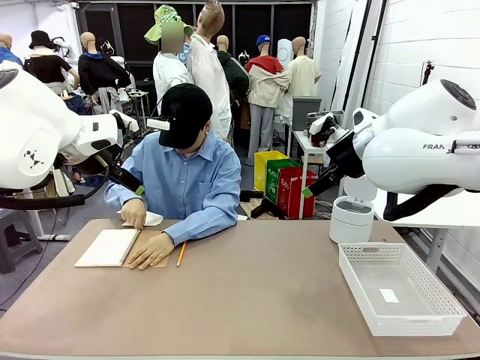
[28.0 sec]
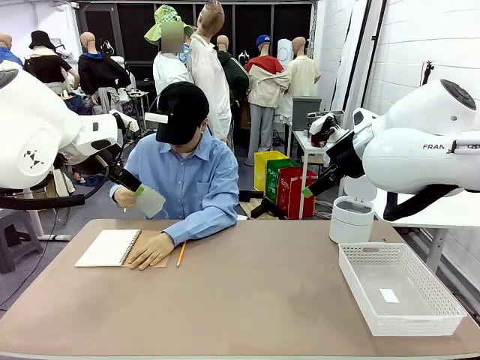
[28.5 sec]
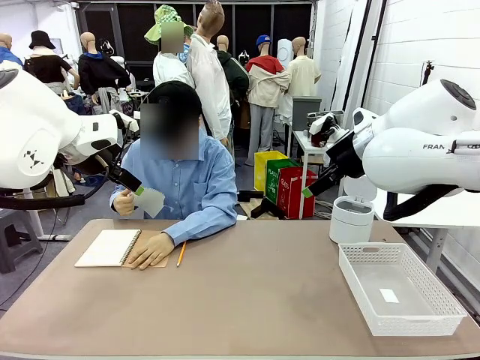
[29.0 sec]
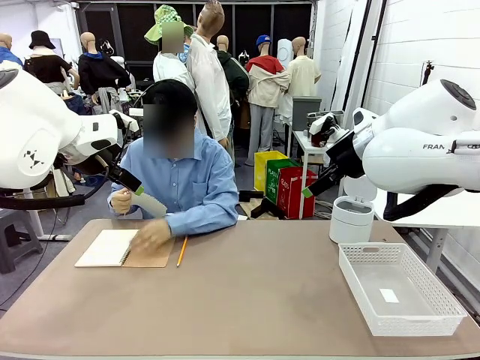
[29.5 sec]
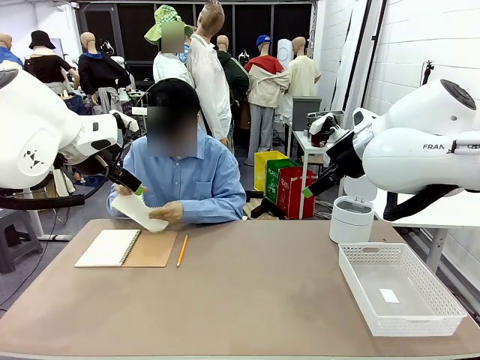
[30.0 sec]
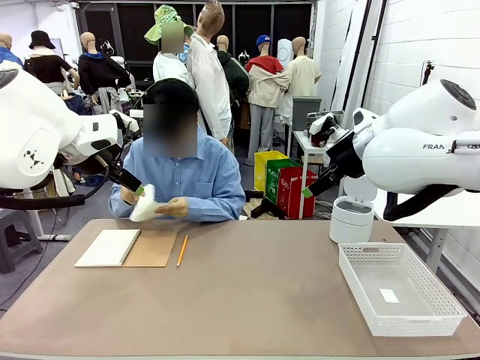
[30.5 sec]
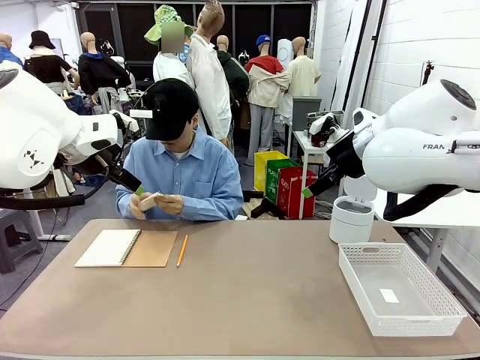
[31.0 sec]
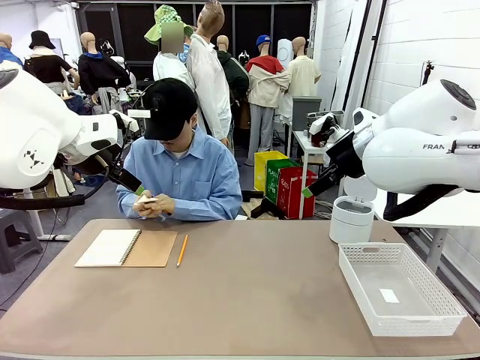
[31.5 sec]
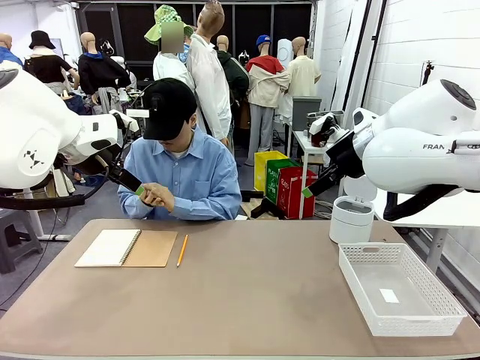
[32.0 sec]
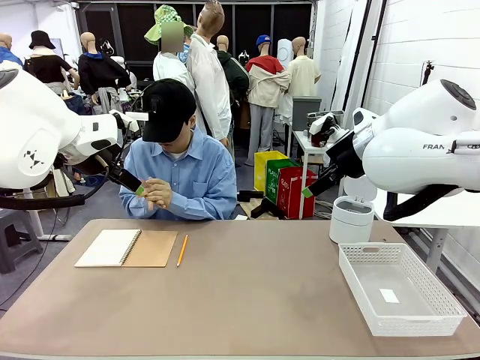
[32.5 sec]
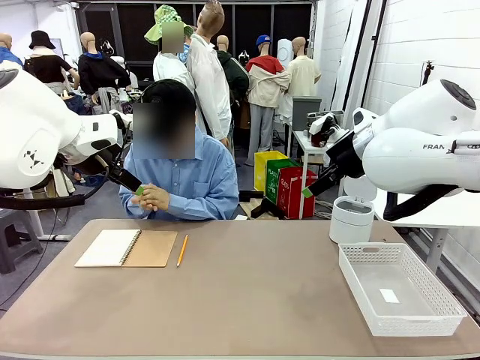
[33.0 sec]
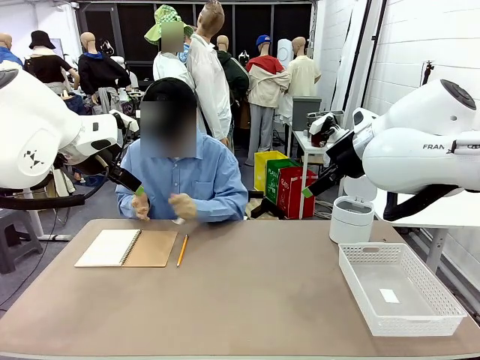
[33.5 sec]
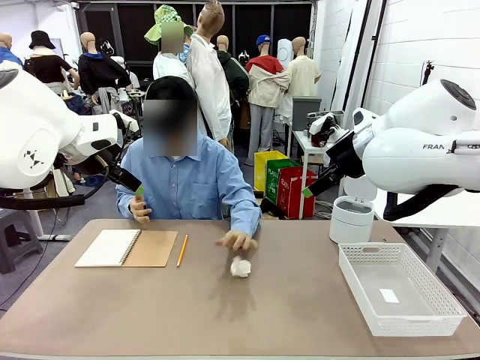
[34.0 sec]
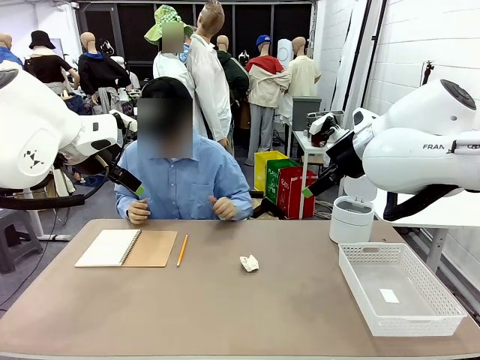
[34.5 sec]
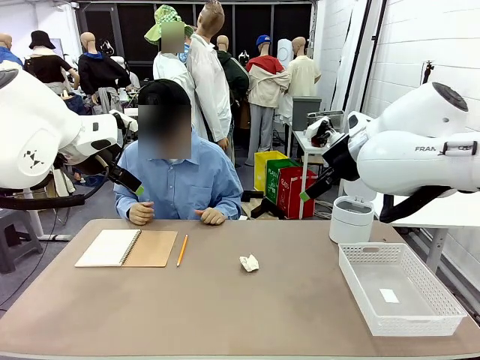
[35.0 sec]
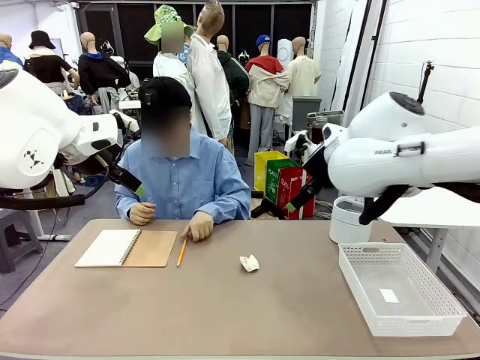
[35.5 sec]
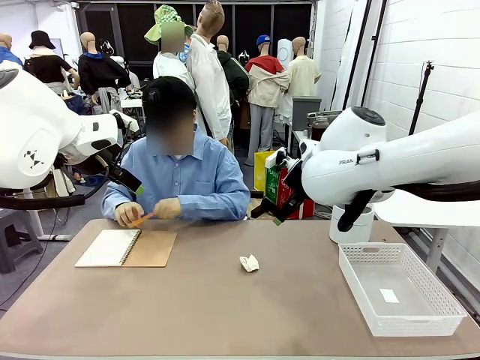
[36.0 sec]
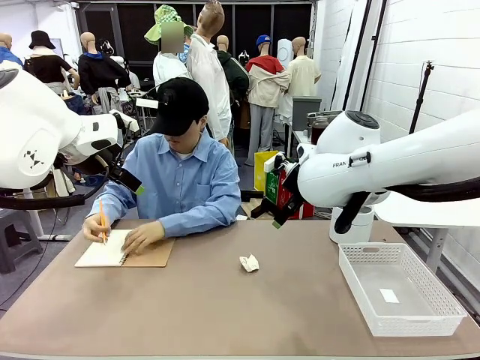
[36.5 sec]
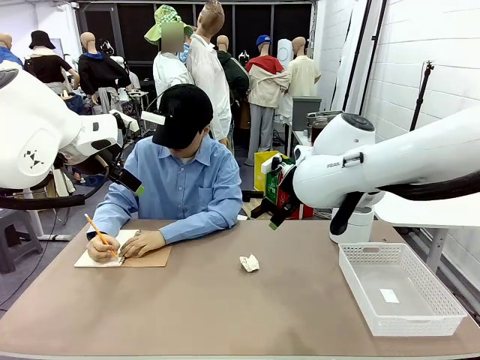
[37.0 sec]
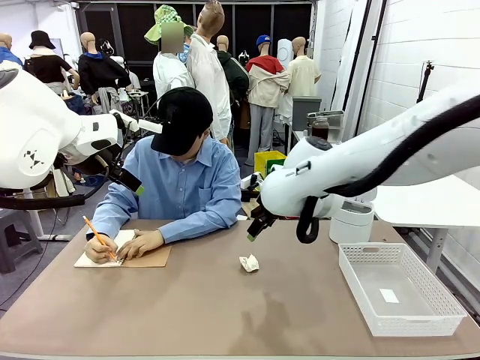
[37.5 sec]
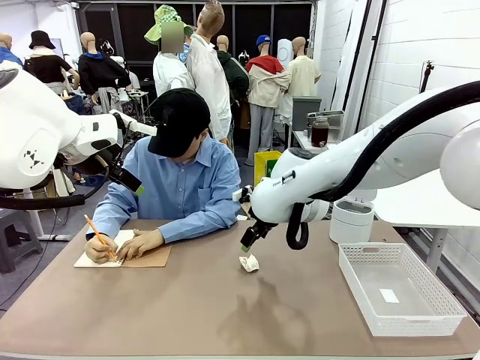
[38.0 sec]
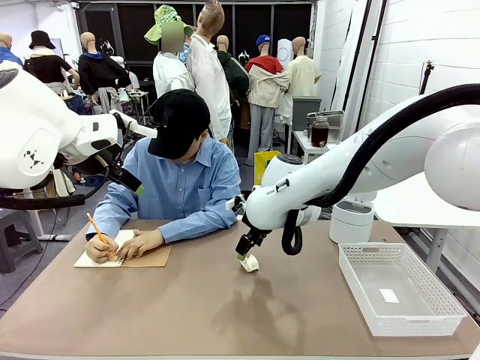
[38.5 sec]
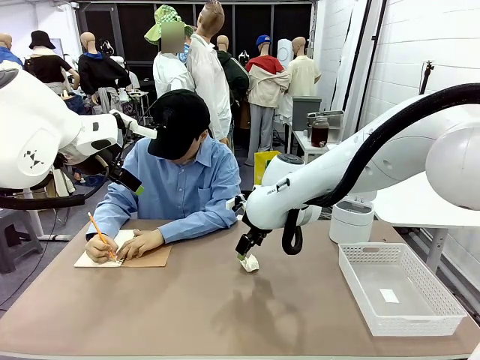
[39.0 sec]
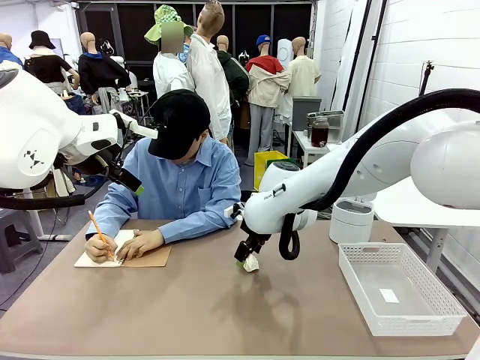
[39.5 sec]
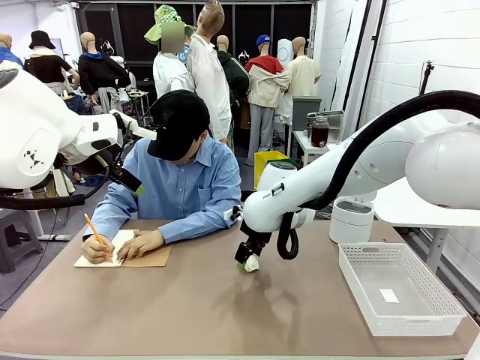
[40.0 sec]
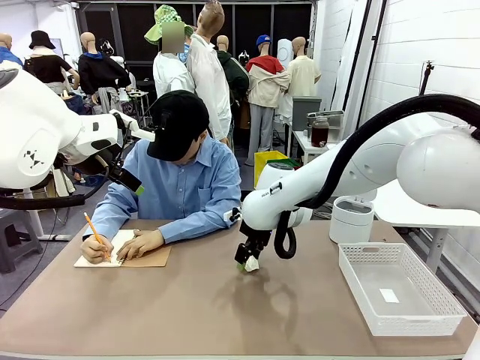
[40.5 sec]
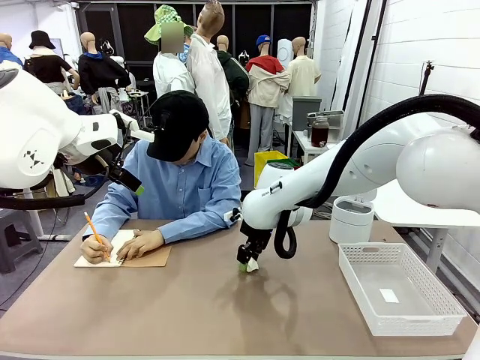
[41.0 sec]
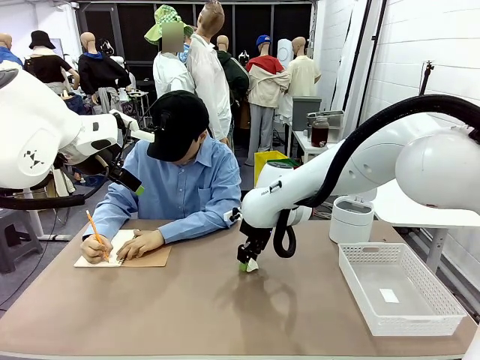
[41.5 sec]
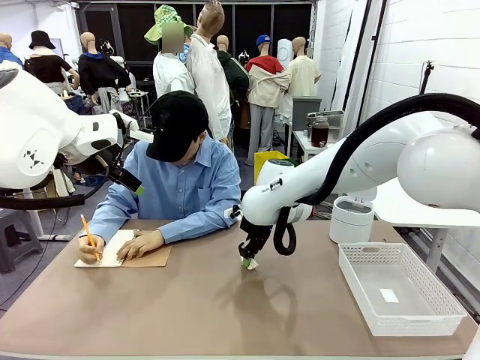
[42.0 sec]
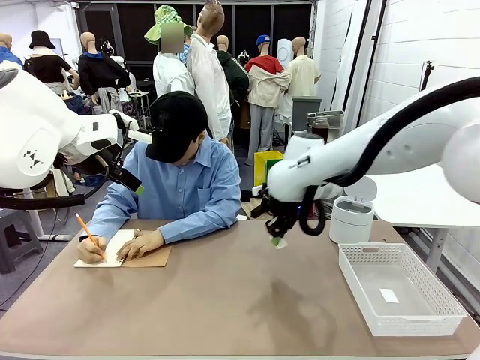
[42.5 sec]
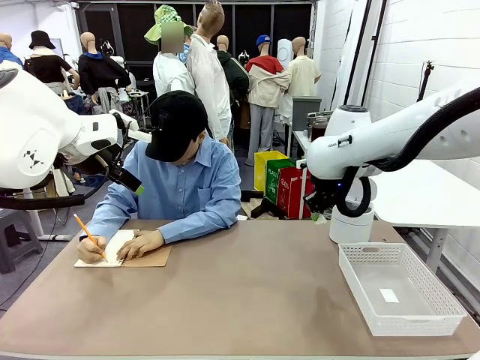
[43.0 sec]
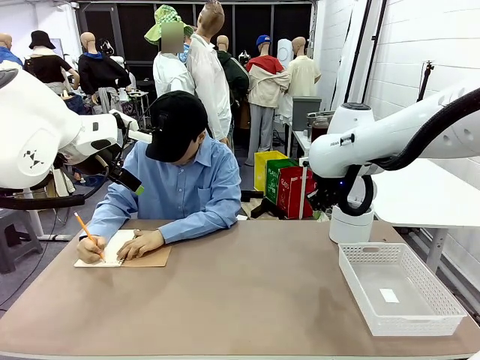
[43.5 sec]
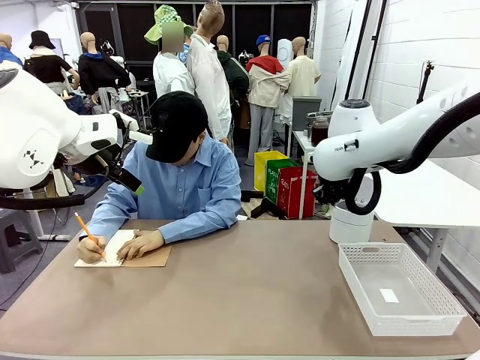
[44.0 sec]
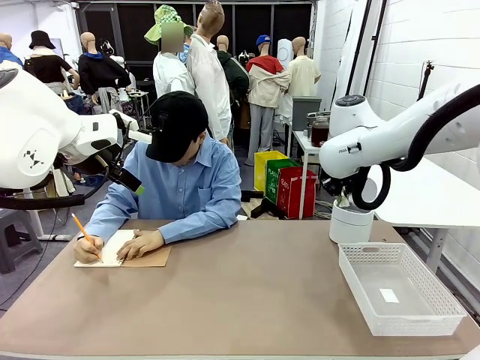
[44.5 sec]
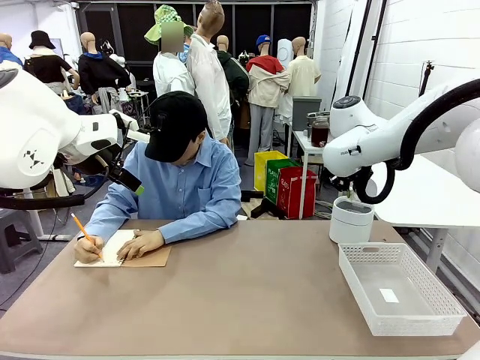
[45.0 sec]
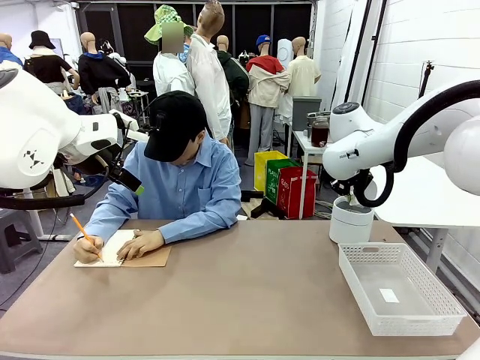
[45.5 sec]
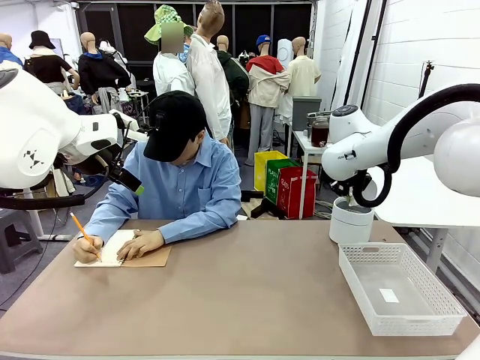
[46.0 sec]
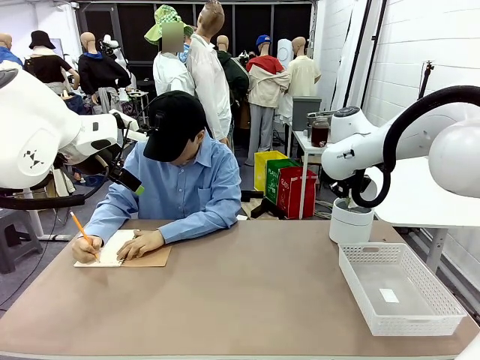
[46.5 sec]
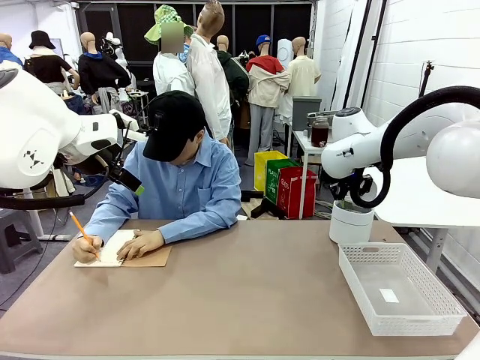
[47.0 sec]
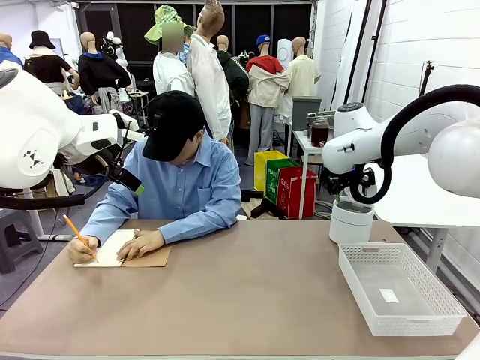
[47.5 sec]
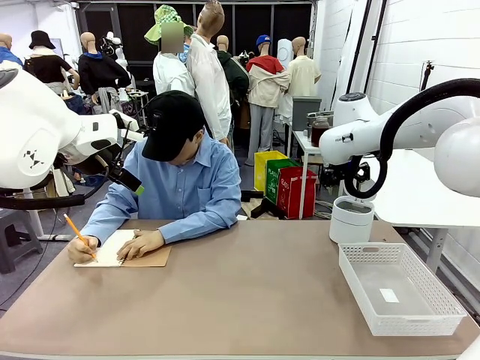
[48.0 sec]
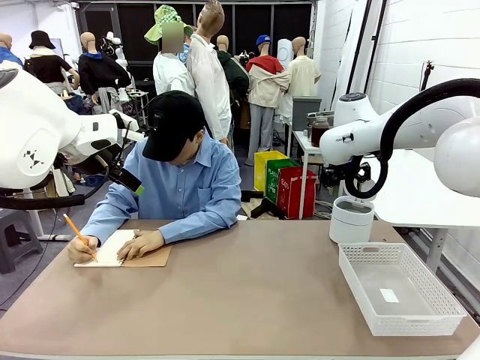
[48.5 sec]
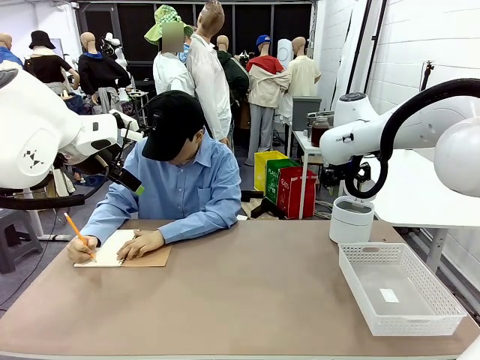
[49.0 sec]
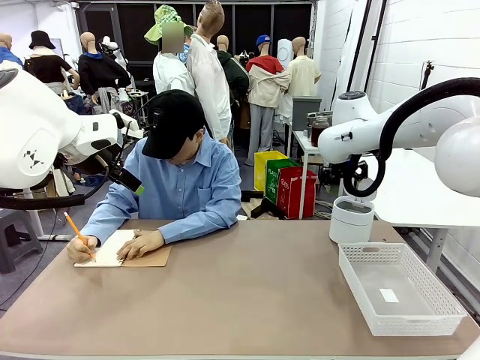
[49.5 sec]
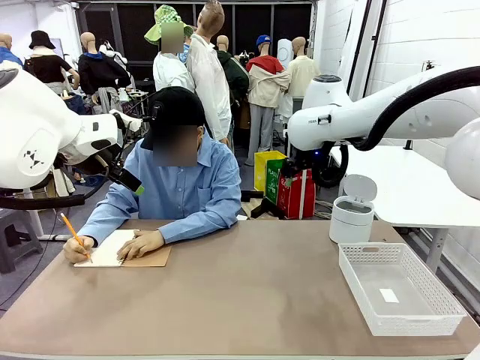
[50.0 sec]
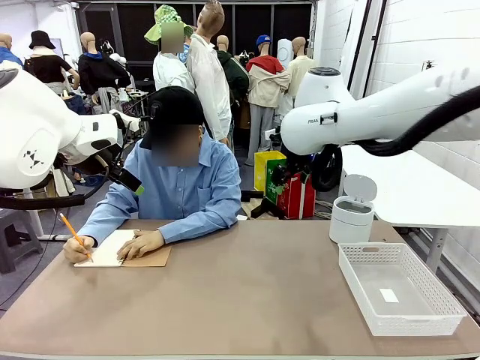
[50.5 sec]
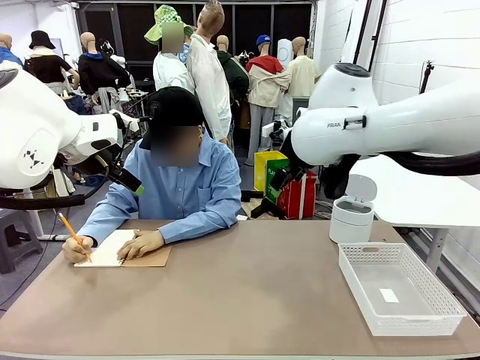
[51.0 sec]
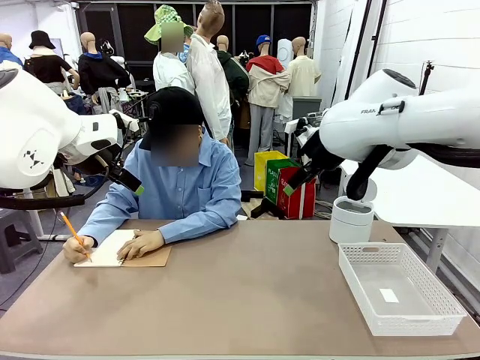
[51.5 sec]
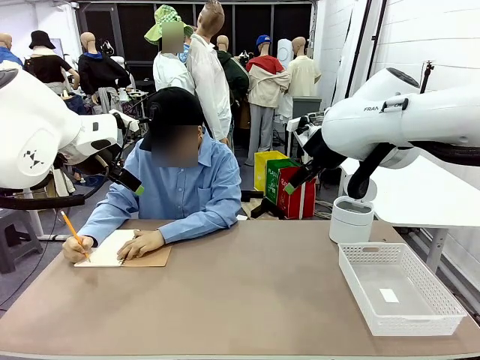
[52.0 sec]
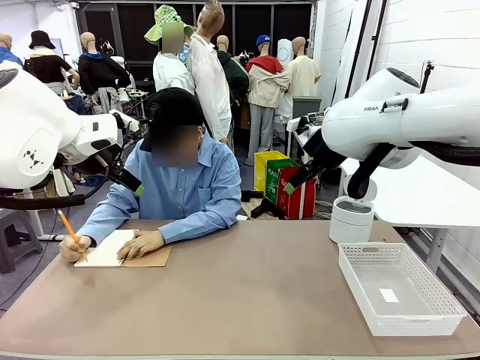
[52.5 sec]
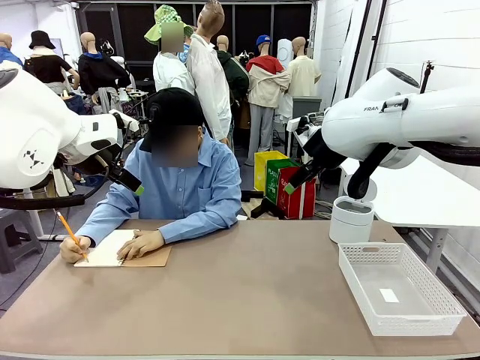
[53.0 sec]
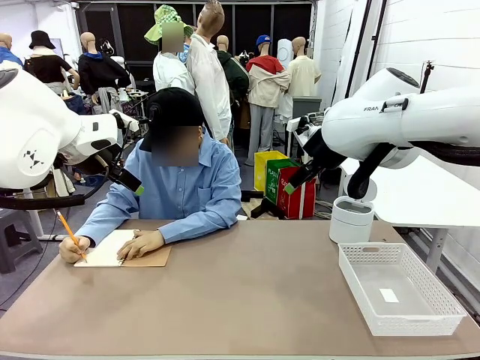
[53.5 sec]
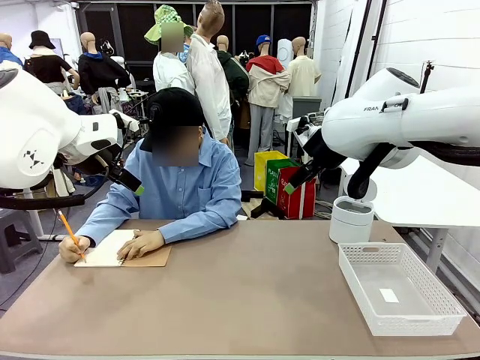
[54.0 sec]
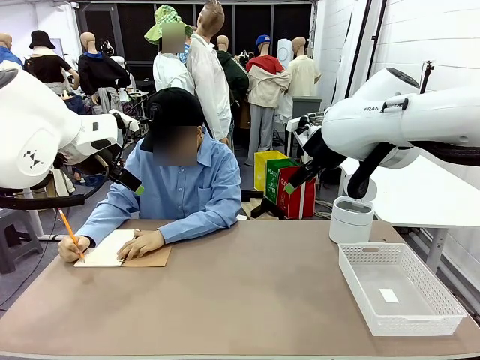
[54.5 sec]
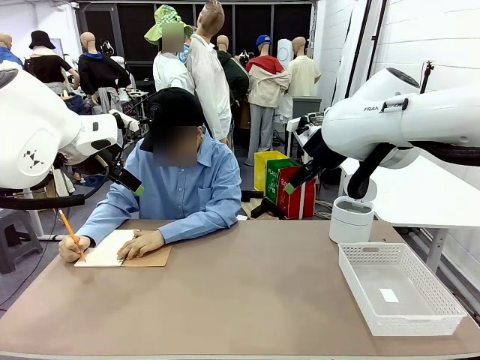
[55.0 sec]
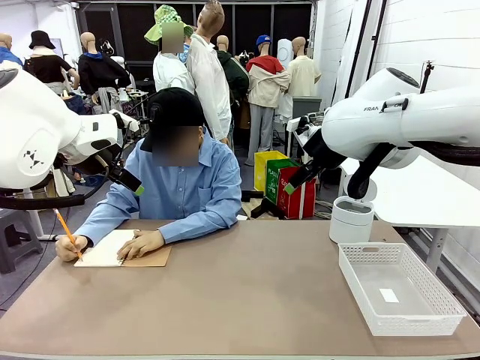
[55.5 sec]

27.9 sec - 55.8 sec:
Task: Sort the paper based on its condition.
Robot: If a person hands you a paper, place it in the Organizing basket , and if it's crumpled, put it in the Trash can.
Person: Hand the torn page to the robot or crumple it and throw it to the center of the table. Tear out a page from the spiral notebook.
